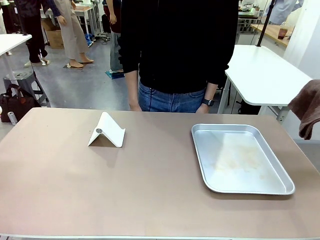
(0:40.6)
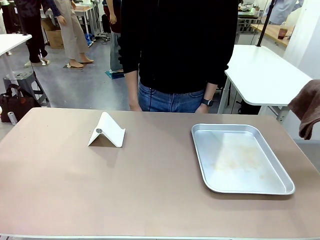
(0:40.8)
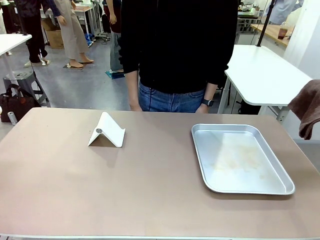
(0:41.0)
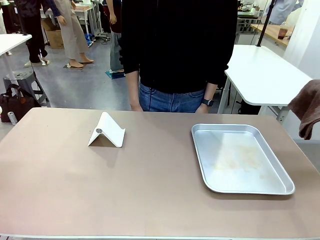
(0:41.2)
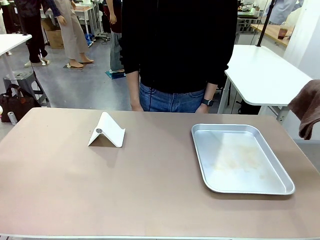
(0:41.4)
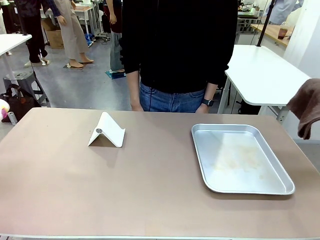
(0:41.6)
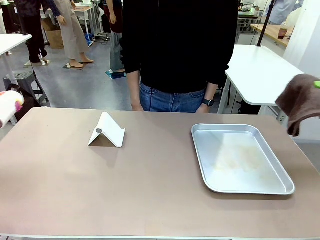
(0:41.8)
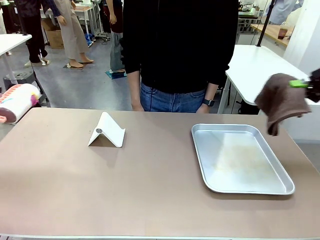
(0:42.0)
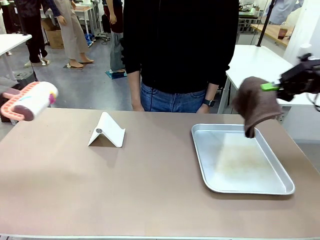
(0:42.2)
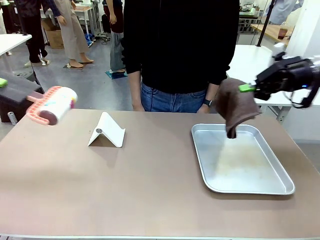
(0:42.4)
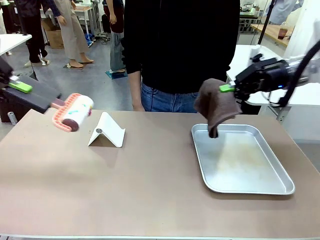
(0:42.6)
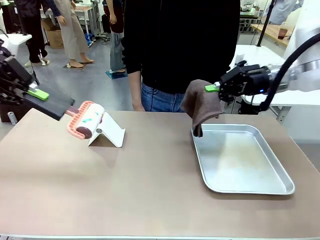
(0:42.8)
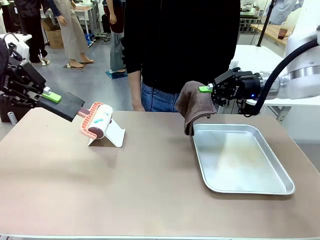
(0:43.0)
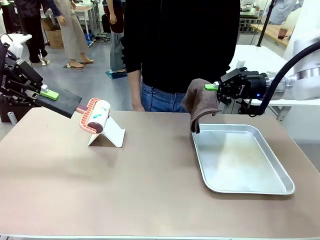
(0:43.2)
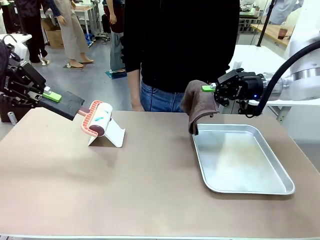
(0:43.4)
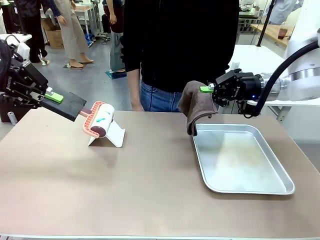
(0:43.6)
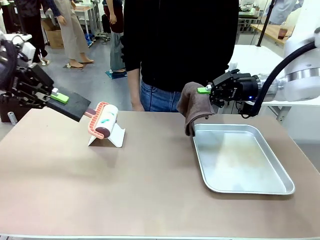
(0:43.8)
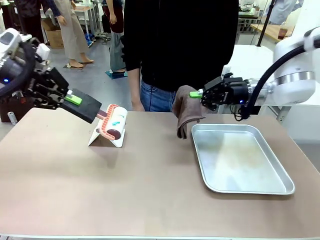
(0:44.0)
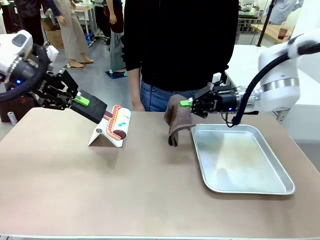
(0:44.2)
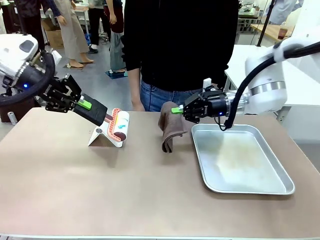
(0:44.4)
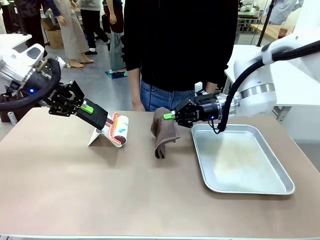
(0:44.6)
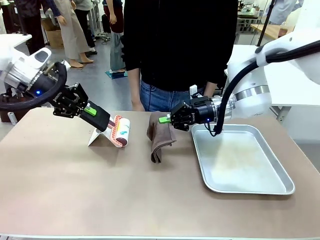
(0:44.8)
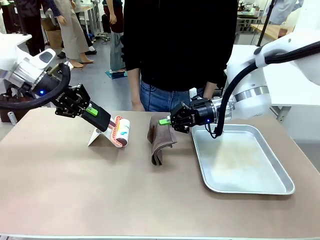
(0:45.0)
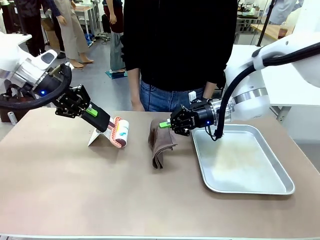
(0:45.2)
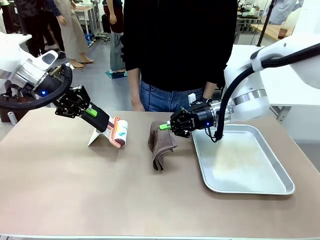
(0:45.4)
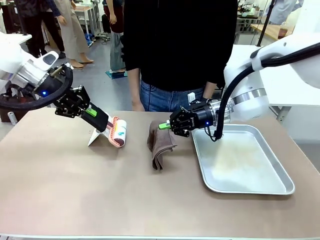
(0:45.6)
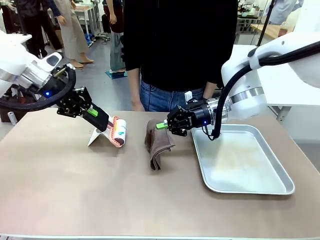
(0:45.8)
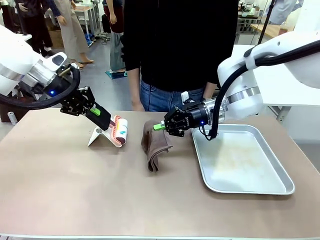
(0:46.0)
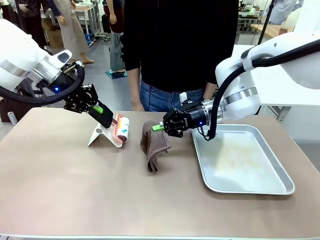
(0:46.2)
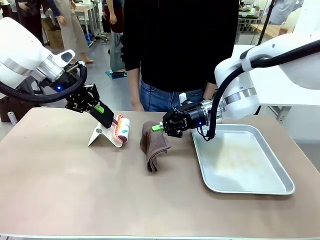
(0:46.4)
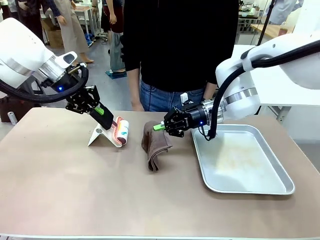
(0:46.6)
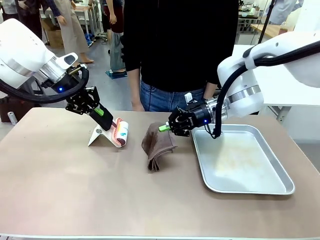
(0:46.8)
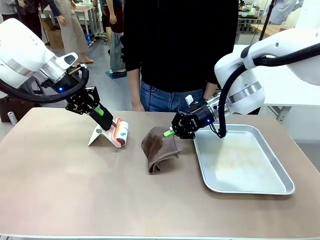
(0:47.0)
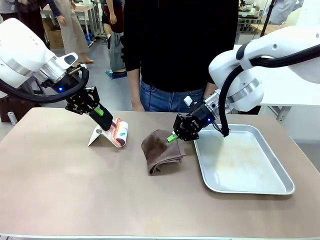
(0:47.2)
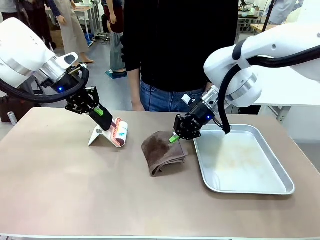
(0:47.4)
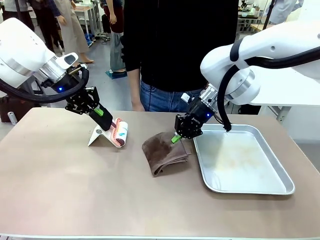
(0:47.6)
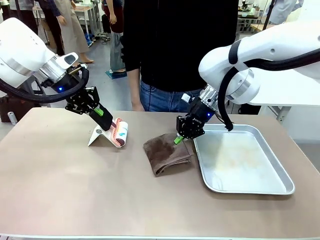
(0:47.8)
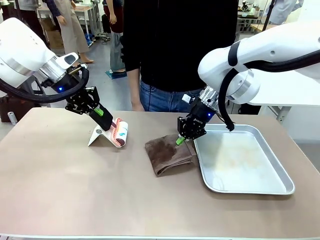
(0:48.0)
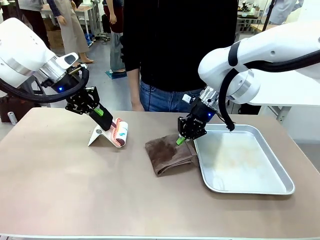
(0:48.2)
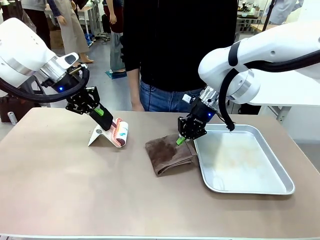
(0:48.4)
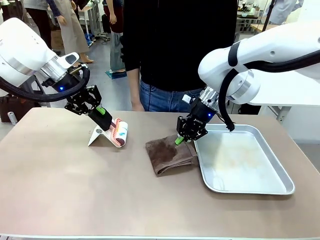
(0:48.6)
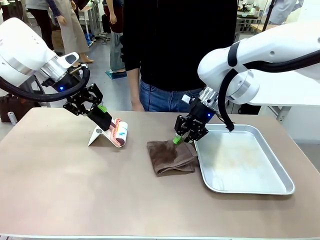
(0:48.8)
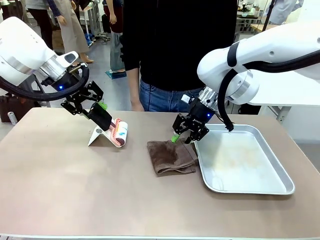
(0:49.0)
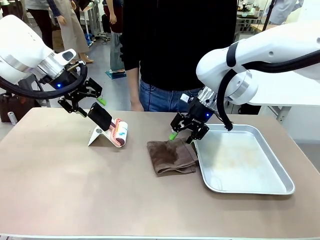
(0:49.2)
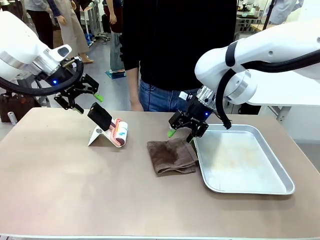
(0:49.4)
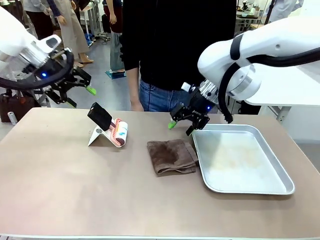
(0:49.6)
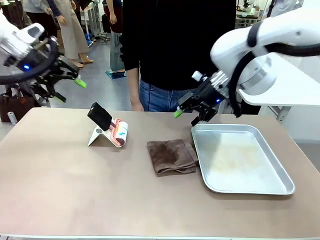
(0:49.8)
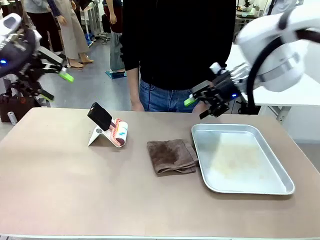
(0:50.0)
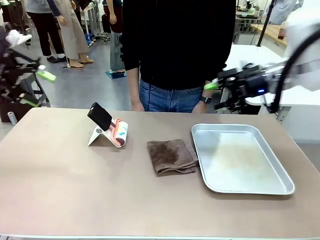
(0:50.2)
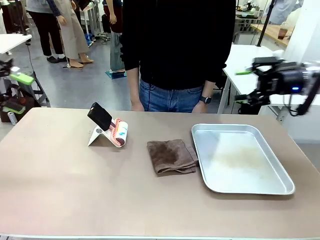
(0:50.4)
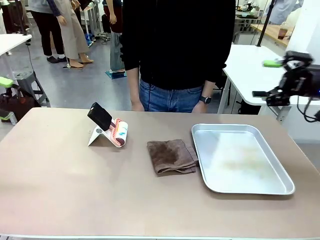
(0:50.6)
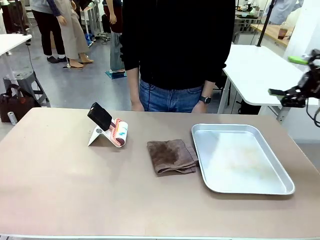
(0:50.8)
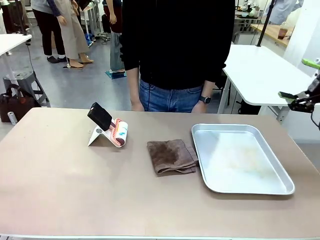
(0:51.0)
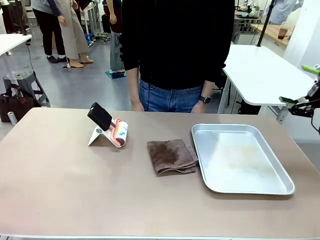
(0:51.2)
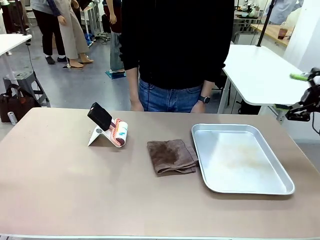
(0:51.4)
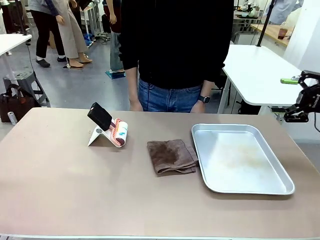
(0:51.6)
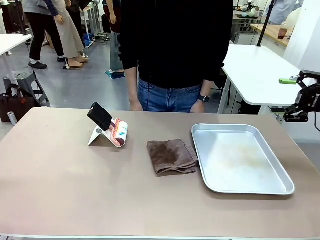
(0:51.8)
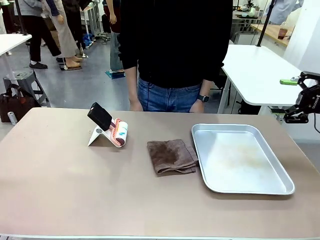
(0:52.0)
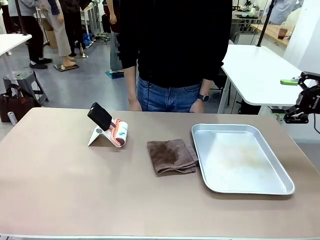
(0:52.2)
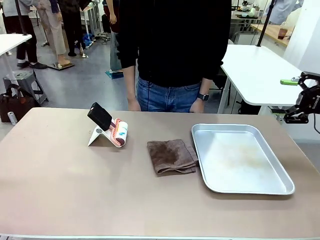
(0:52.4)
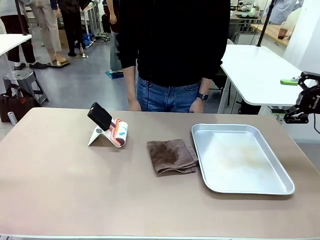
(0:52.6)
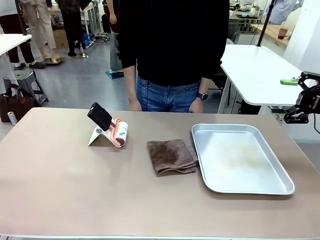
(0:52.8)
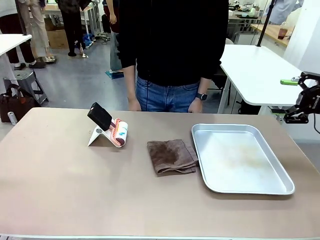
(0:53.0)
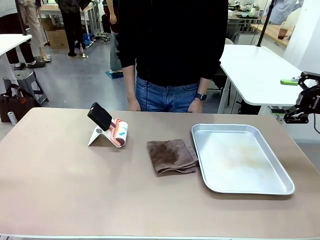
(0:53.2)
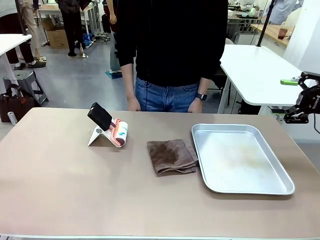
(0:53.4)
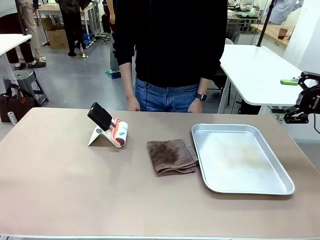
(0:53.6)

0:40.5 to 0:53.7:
Task: Clean the surface of the table.
Robot: Return the Lint Roller and towel to their original positions.

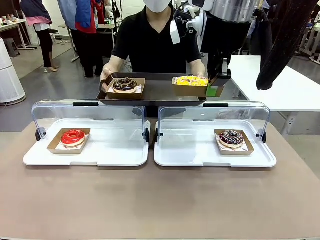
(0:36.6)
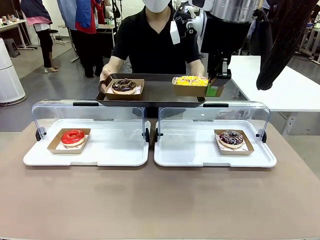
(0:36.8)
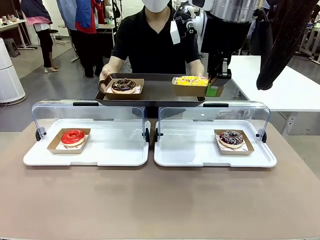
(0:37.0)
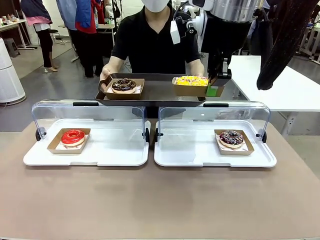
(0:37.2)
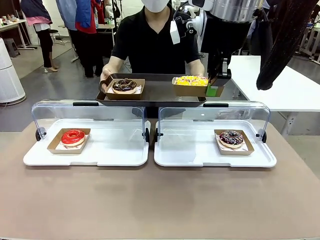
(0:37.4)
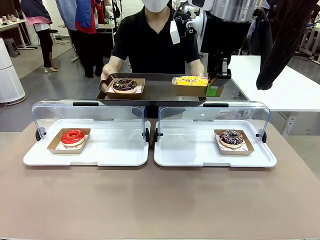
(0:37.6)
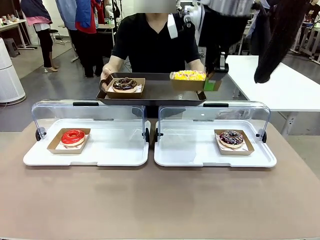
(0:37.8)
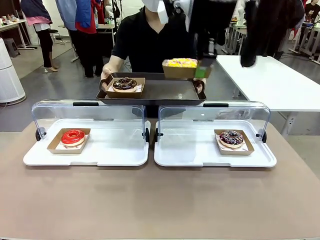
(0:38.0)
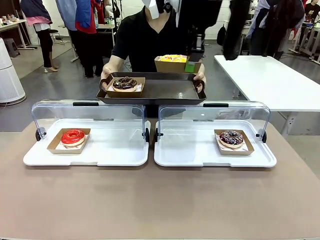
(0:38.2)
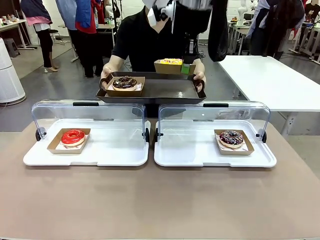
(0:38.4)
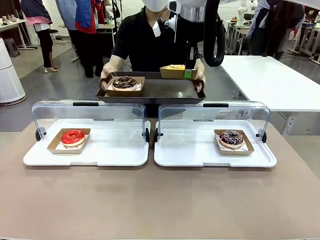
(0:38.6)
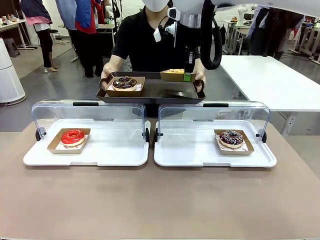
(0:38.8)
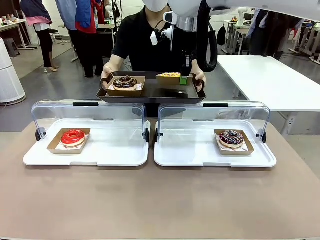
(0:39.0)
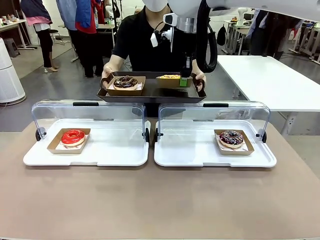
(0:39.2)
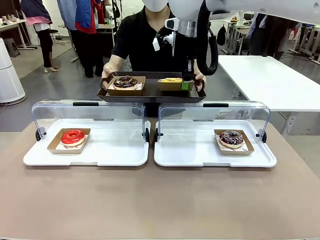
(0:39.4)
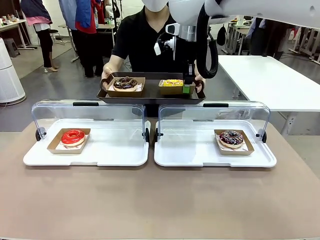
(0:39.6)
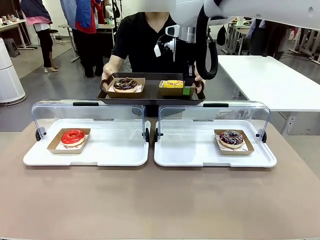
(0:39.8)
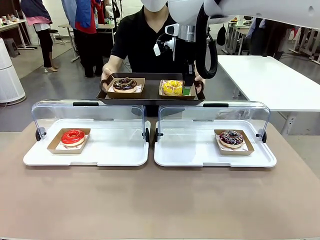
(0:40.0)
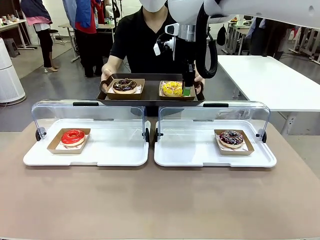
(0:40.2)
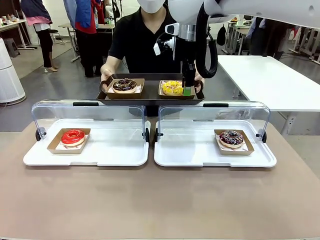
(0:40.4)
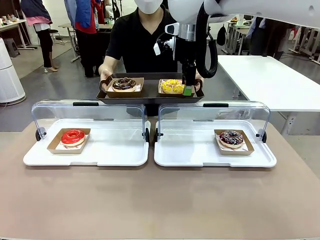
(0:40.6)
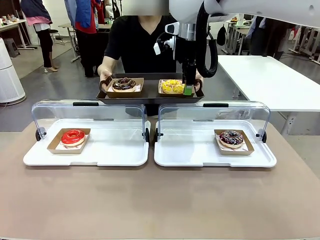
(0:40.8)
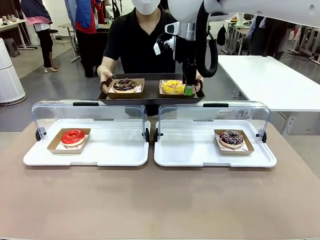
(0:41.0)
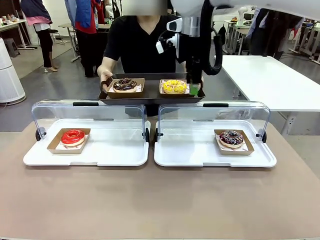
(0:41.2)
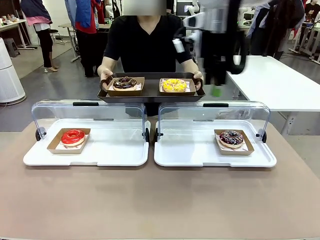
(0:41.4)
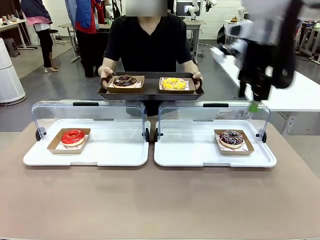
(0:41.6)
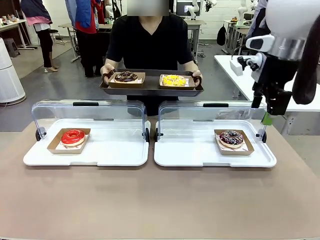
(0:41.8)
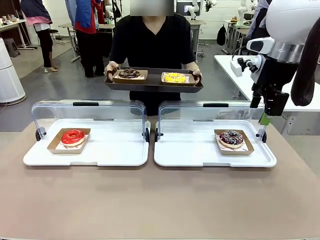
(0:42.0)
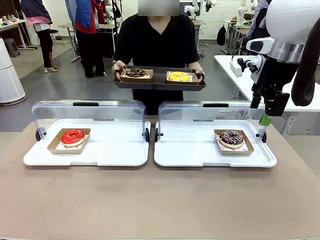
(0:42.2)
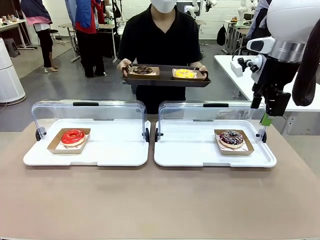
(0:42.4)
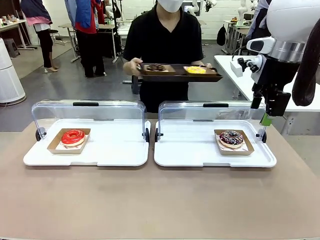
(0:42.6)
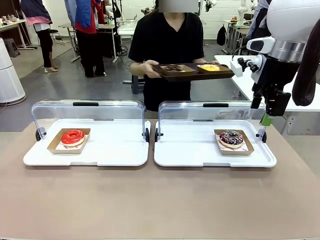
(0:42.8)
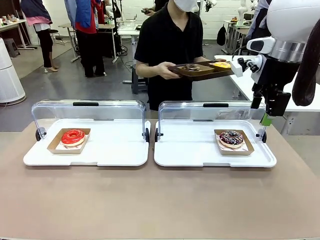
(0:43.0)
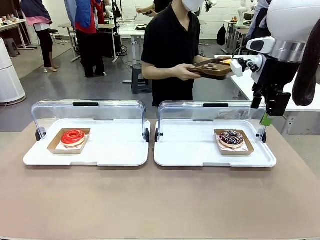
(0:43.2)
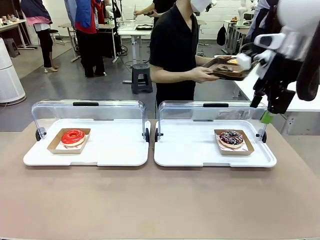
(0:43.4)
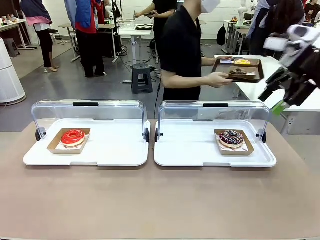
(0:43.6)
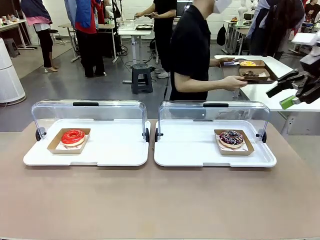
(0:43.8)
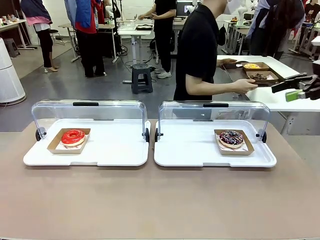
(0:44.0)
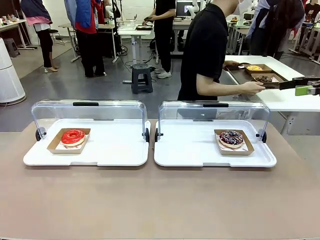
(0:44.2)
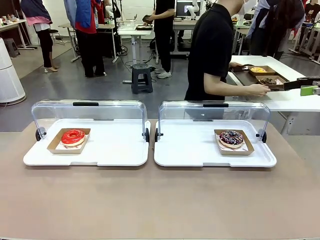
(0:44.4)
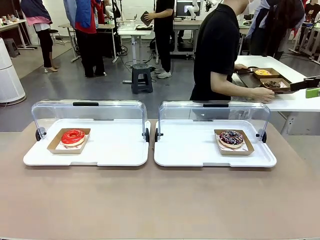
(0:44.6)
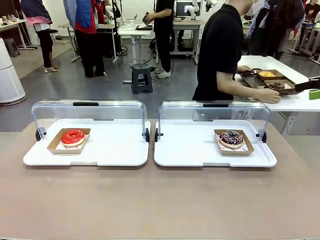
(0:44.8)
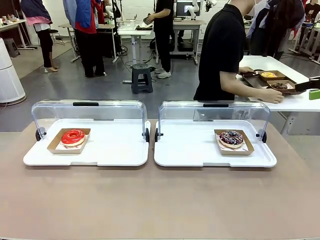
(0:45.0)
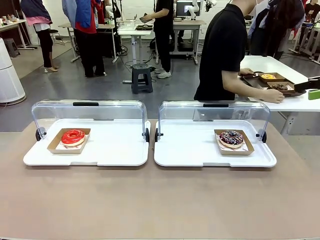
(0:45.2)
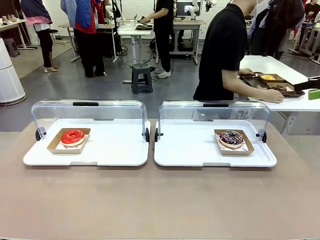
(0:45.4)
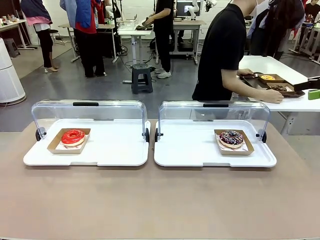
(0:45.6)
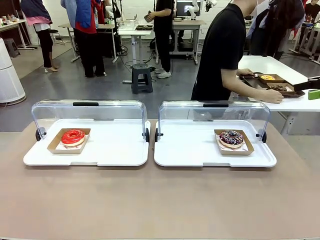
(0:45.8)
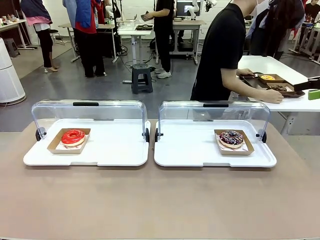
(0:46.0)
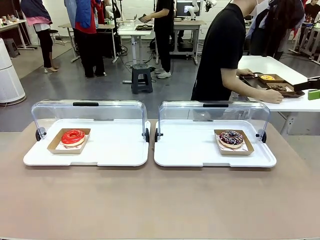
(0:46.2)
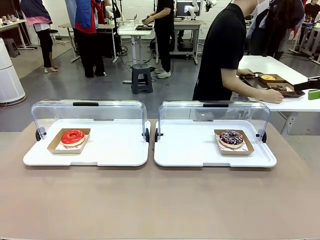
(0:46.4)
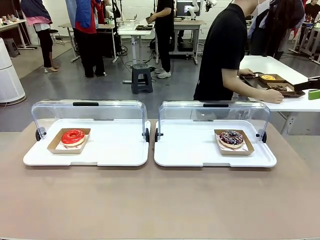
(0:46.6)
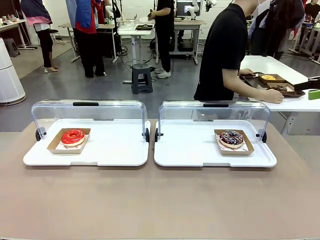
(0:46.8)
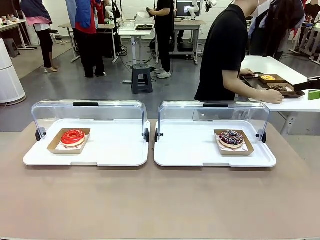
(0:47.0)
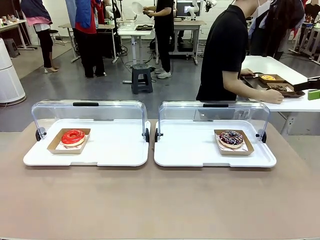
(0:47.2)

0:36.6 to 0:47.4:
Task: Provide the desired donut to the person.
Robot: Place the picked Paper togo box onto the Handle tray extended by the person.
Person: Place the tray in the middle of the human table.
